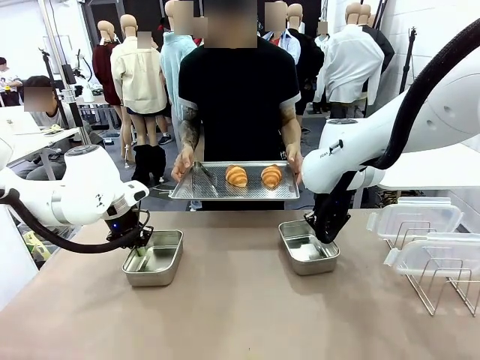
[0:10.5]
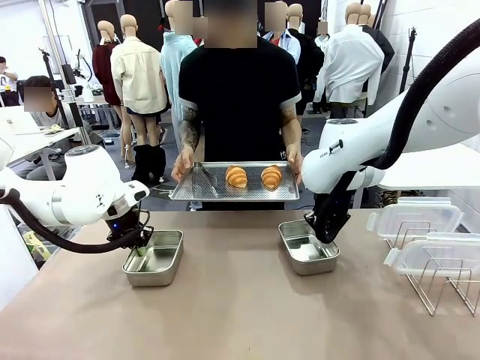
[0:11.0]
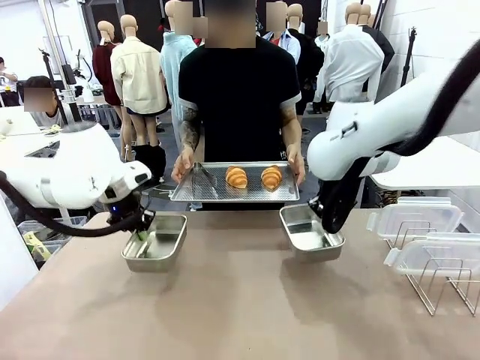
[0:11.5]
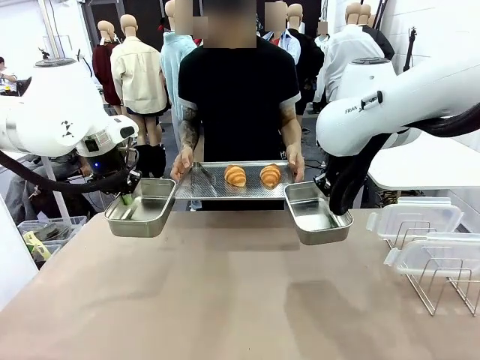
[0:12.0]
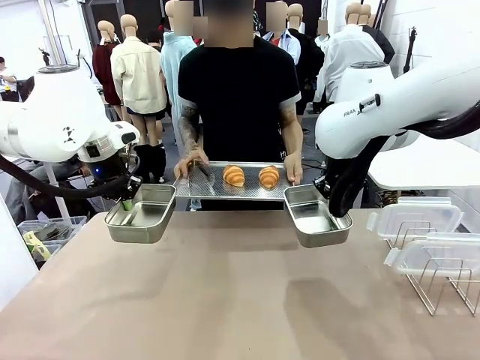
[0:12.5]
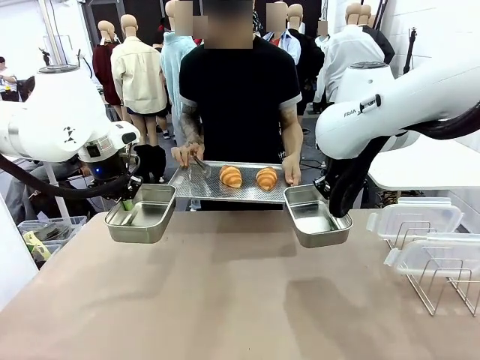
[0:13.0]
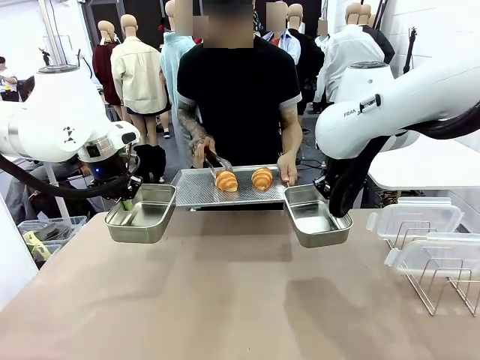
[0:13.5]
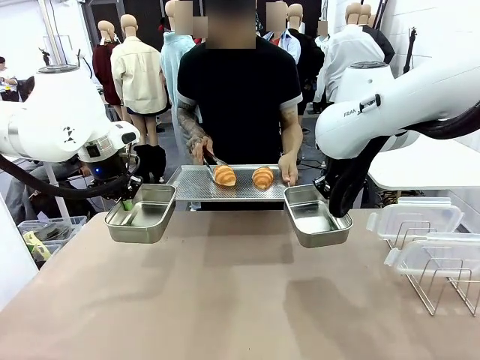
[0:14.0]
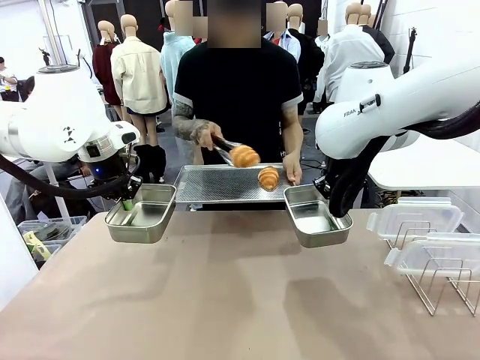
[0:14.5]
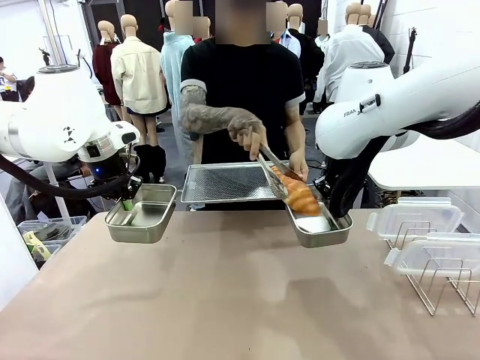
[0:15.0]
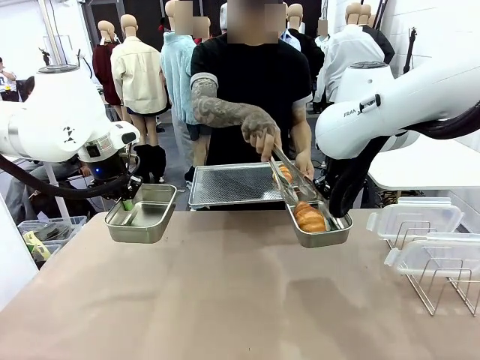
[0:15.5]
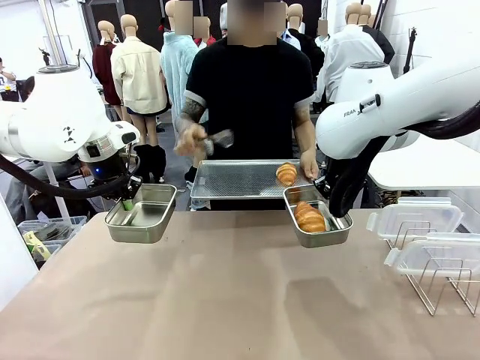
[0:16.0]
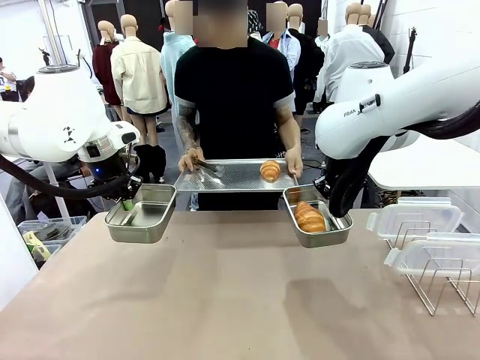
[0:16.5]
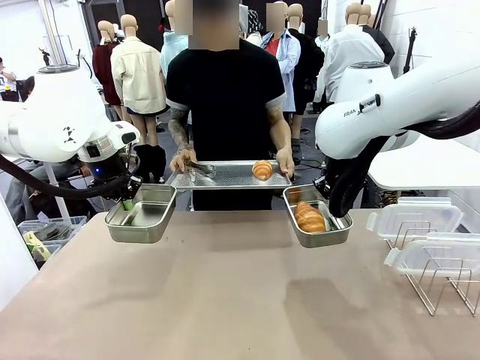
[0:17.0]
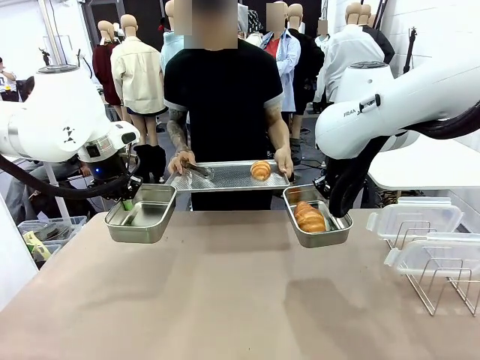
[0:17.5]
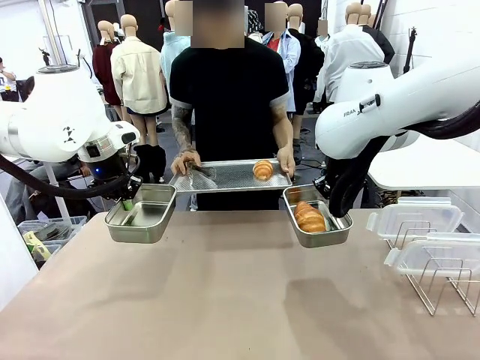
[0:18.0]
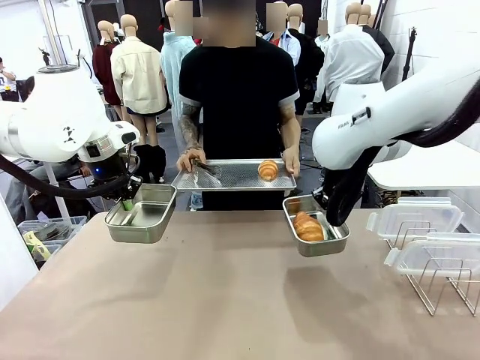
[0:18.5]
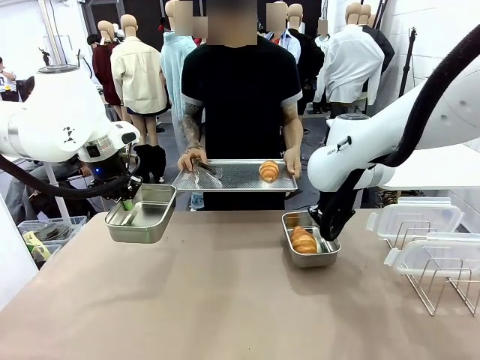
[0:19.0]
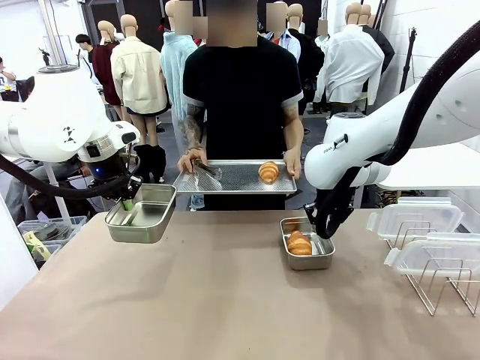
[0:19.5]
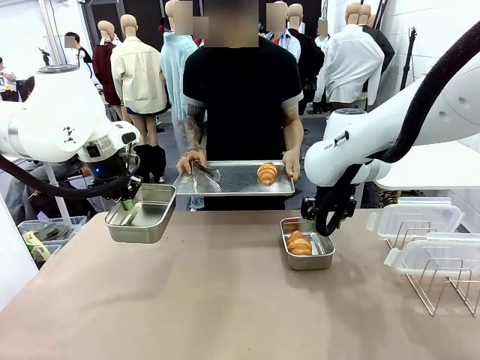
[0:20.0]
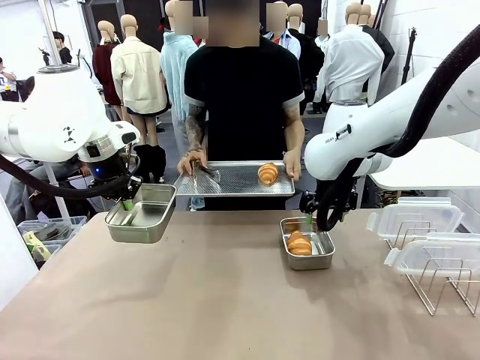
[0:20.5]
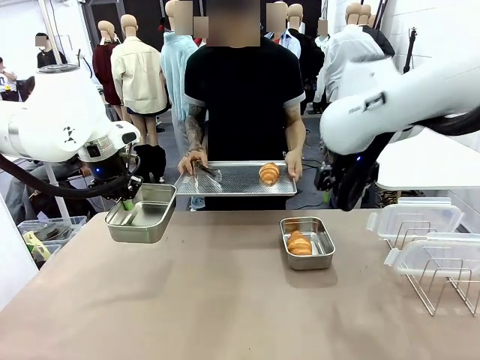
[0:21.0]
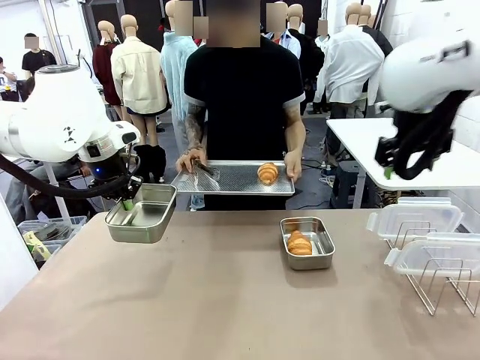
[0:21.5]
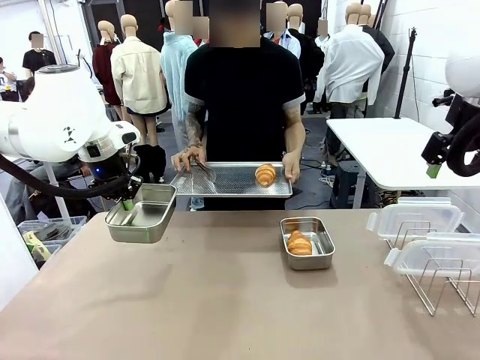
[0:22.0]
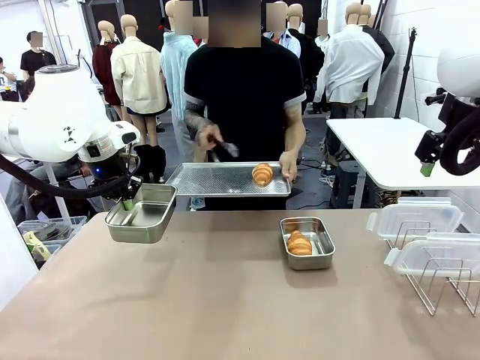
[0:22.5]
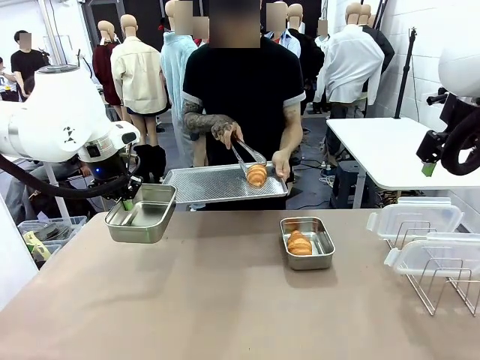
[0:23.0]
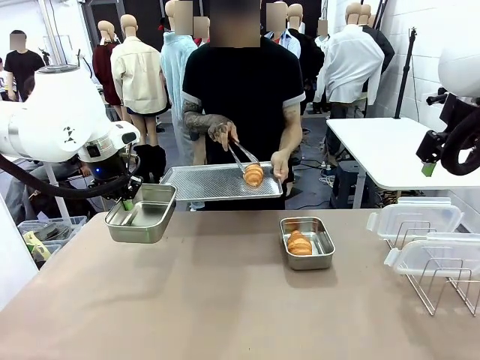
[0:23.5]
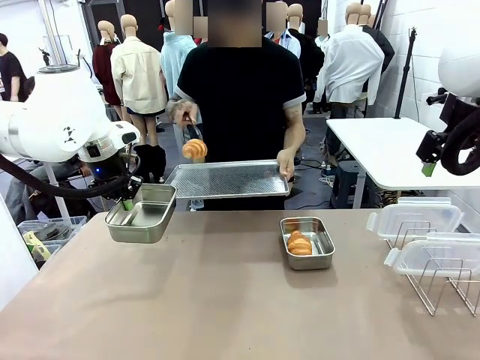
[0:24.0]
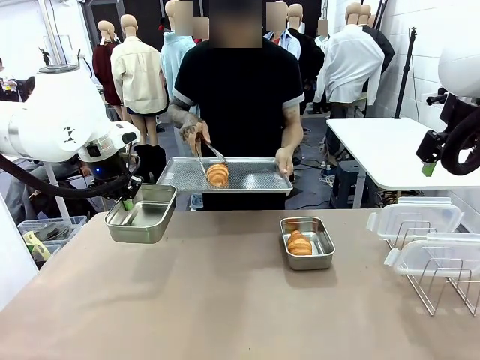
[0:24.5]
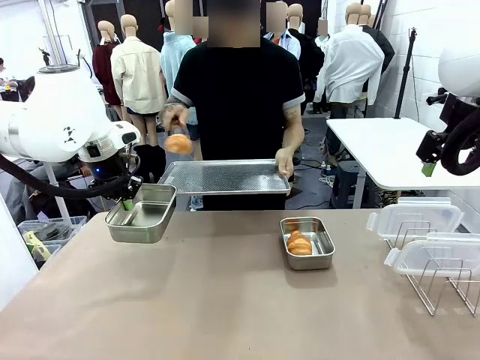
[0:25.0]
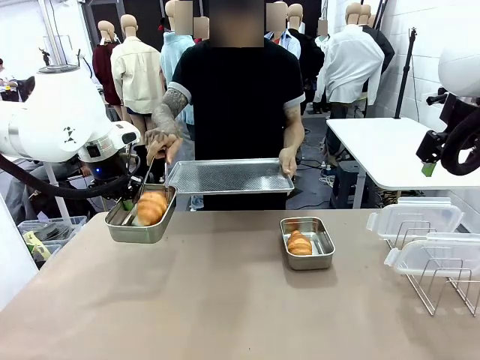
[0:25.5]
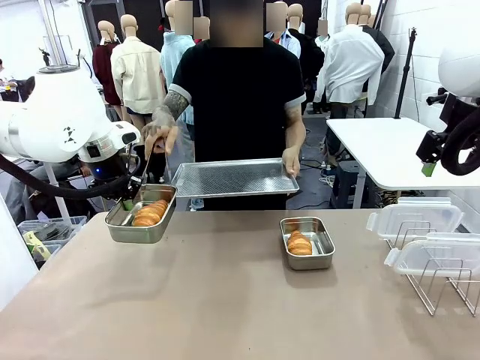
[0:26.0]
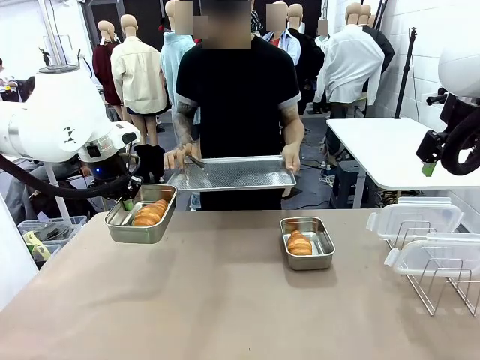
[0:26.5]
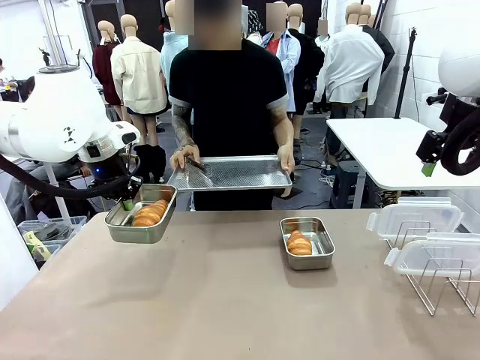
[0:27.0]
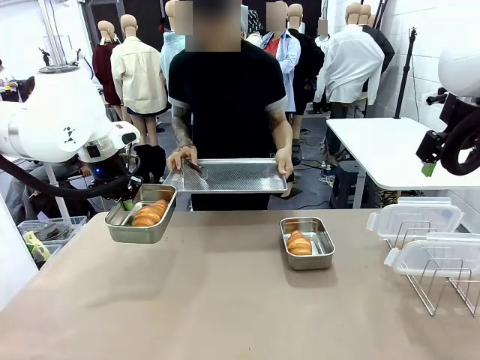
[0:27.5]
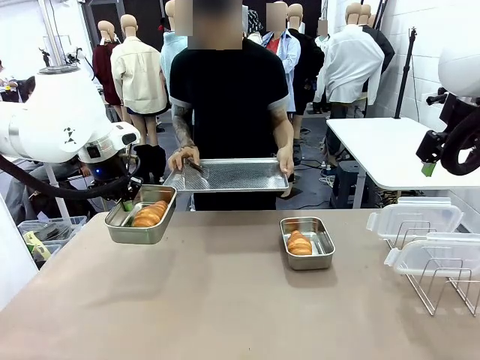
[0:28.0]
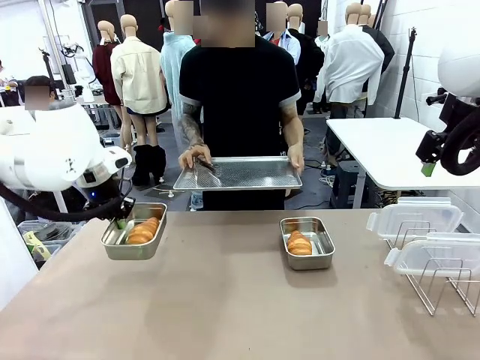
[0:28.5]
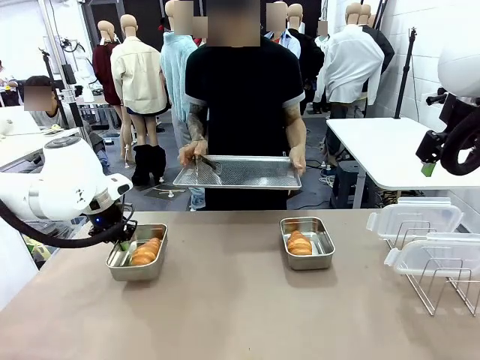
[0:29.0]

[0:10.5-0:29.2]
Task: Place the bread in airtight containers.
Robot: Once an object is inside an Airtight Container , place the container in the center of the table.
Person: Use the Stainless steel tongs to place one object from Baking Sheet into one Airtight Container.

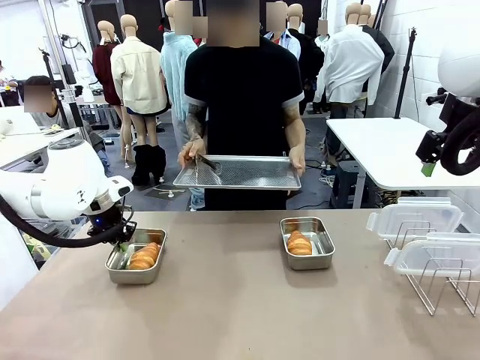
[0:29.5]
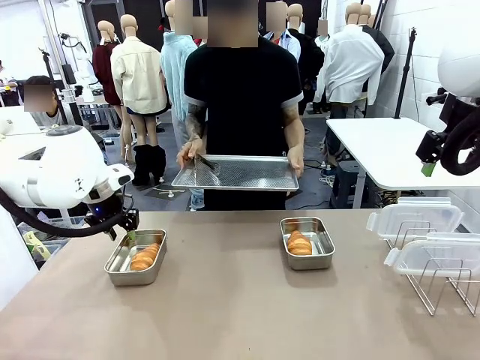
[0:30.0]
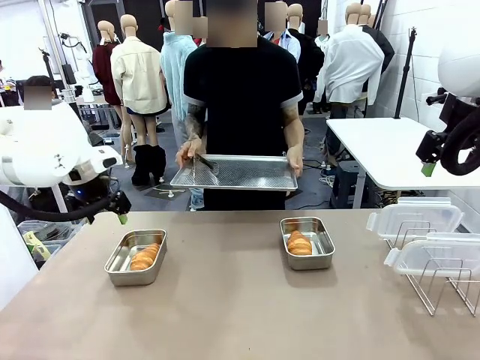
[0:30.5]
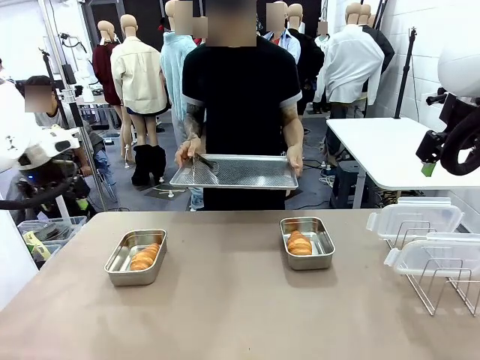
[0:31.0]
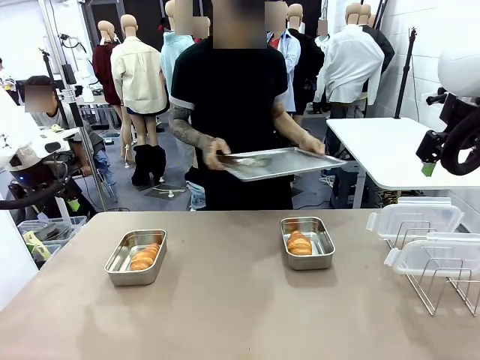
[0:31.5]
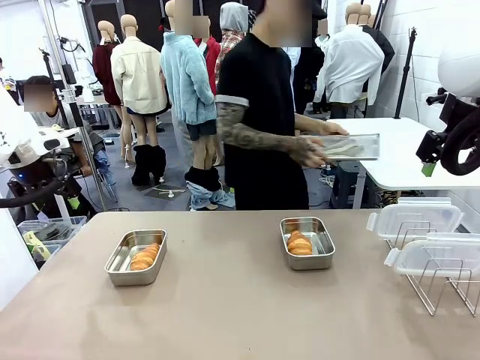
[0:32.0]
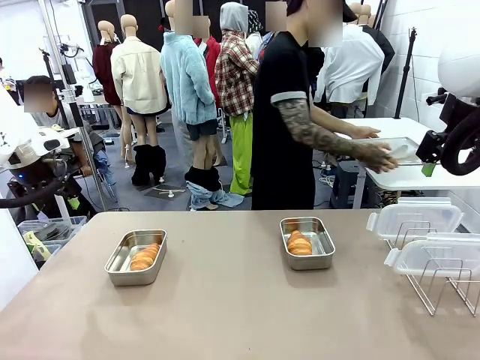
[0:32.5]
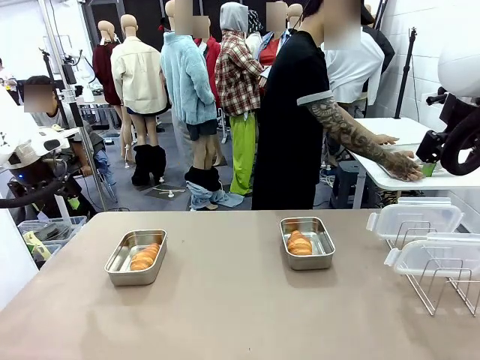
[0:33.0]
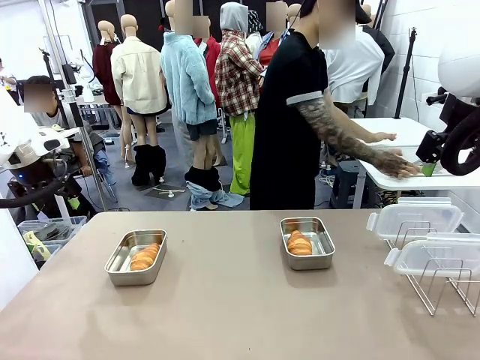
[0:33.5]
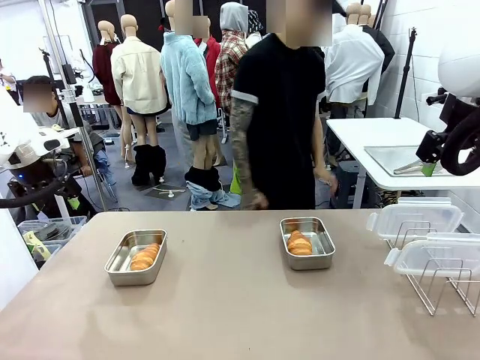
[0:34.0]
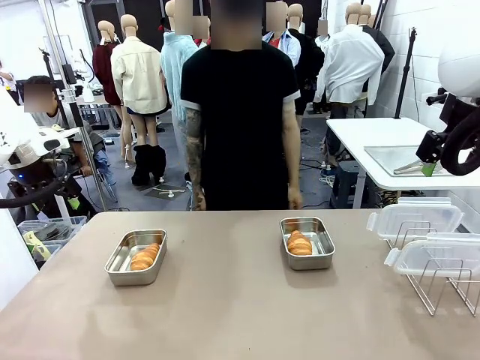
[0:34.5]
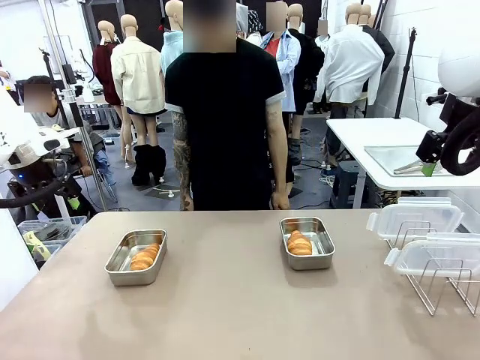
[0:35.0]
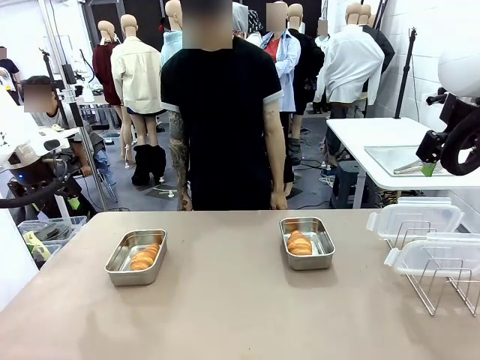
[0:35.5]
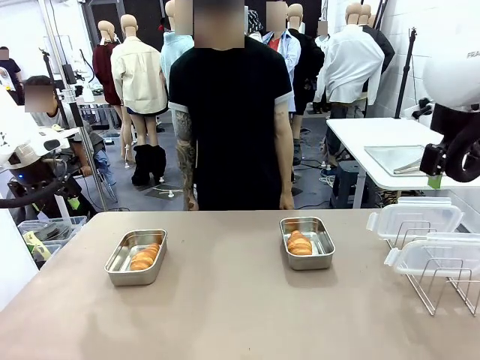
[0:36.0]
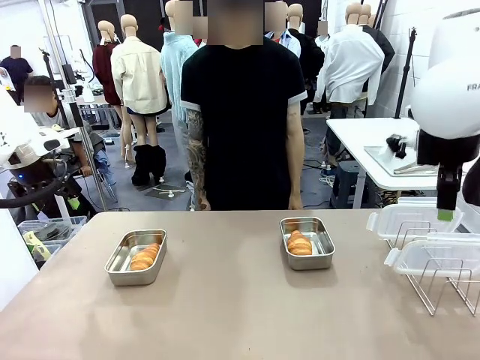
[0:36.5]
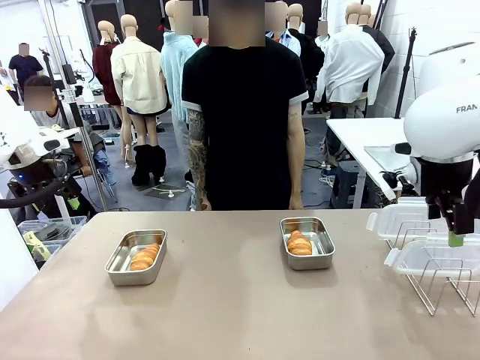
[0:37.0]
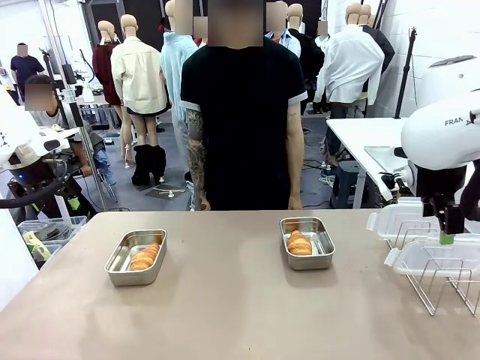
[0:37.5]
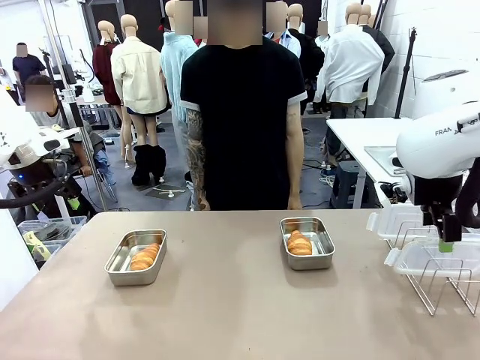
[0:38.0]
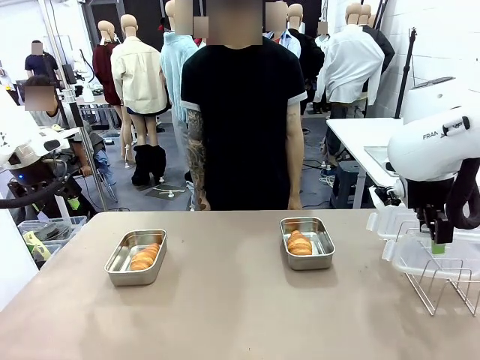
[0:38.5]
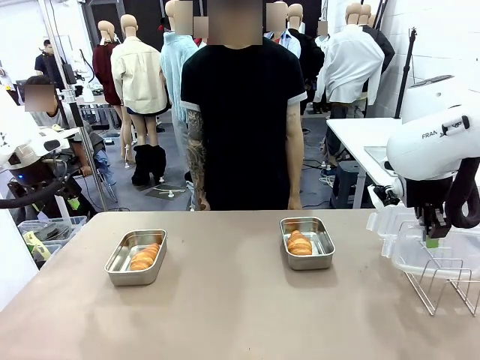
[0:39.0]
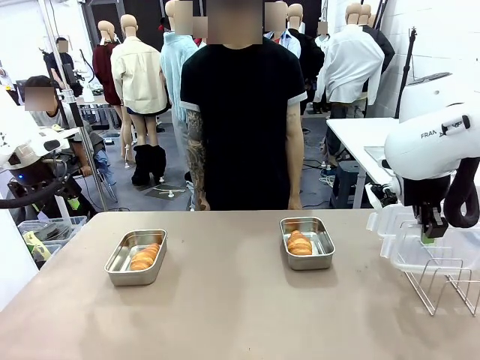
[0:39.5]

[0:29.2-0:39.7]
Robot: Pick up one Airtight Container lid and hand it to the human.
Person: Place Baking Sheet on the Human's Table.
